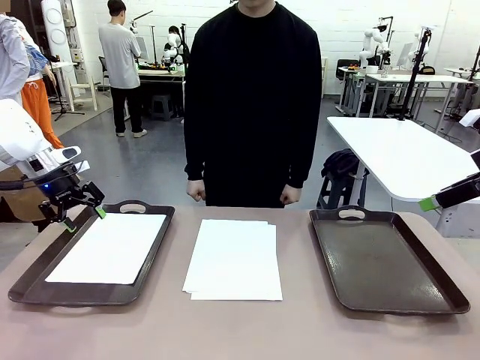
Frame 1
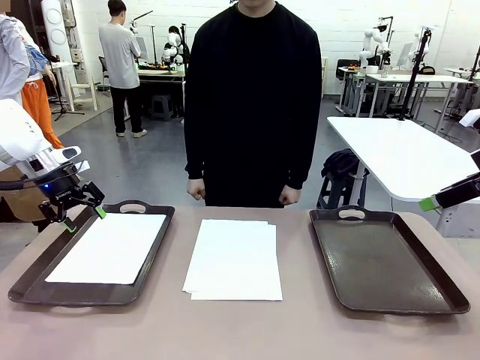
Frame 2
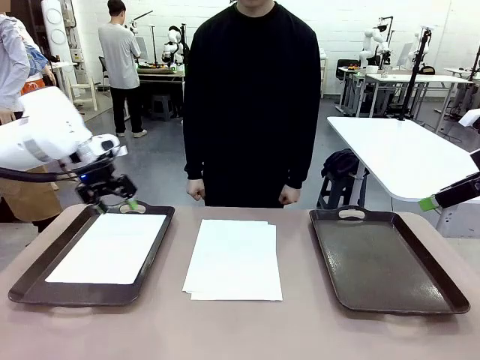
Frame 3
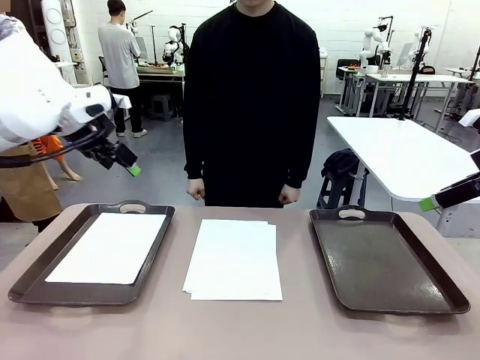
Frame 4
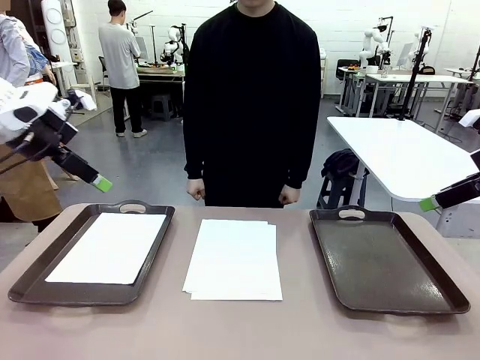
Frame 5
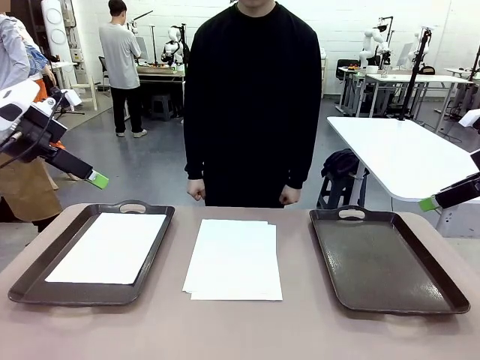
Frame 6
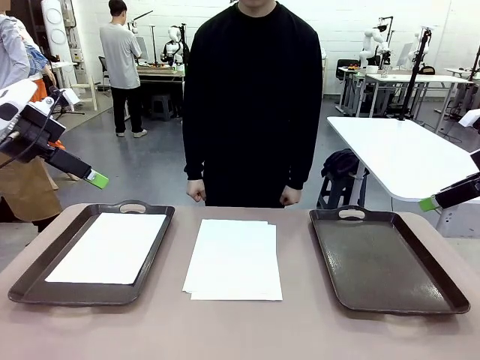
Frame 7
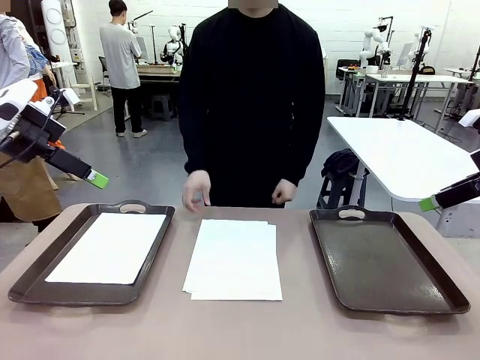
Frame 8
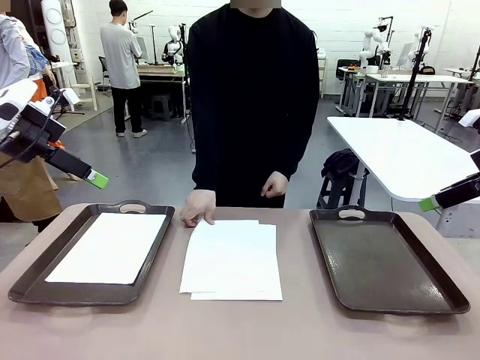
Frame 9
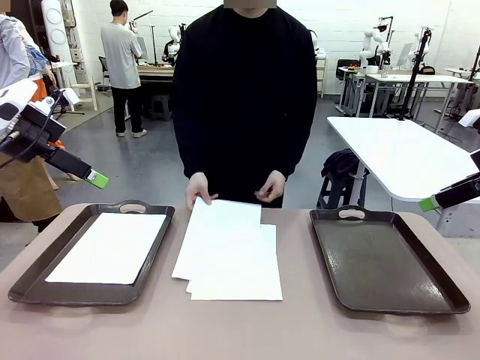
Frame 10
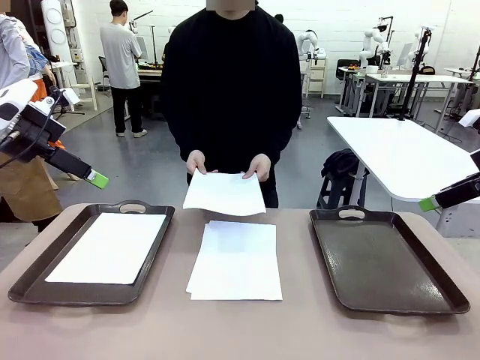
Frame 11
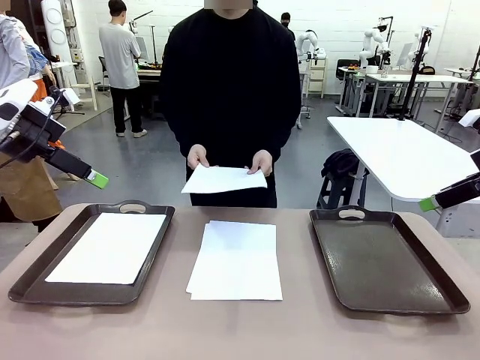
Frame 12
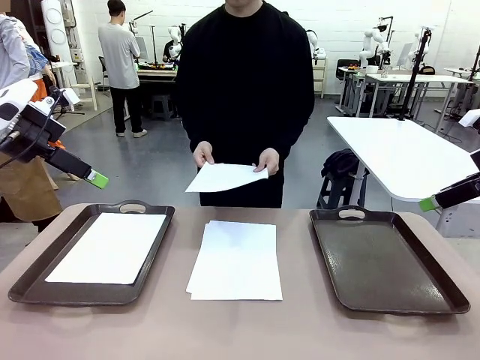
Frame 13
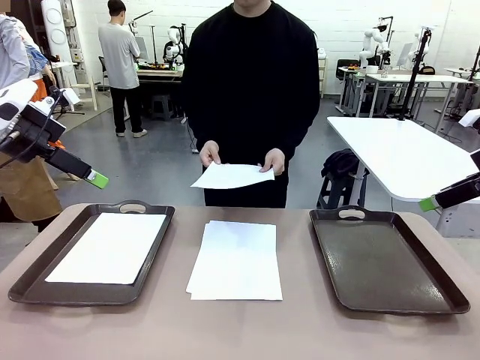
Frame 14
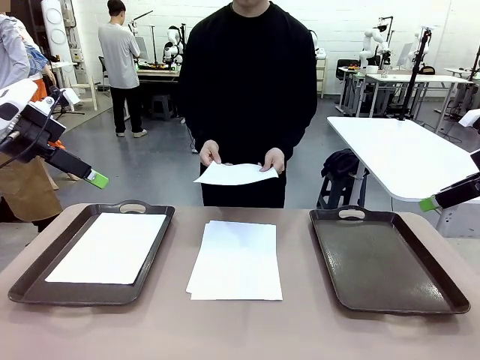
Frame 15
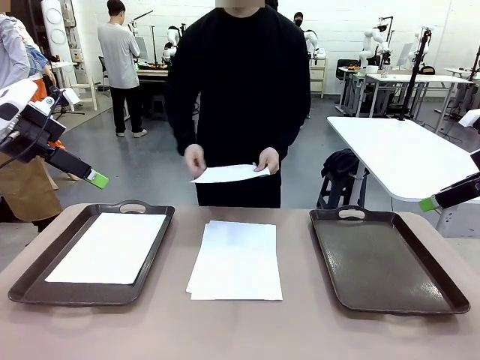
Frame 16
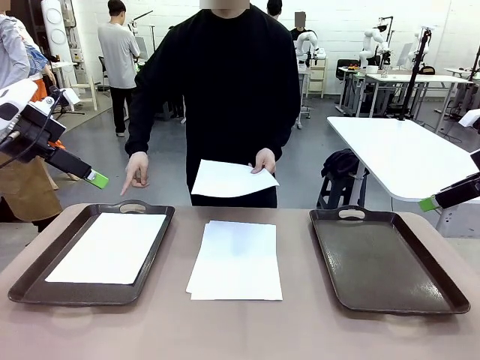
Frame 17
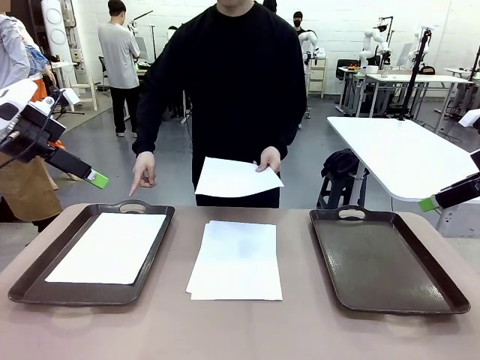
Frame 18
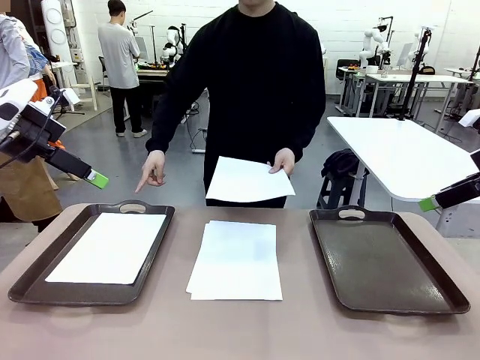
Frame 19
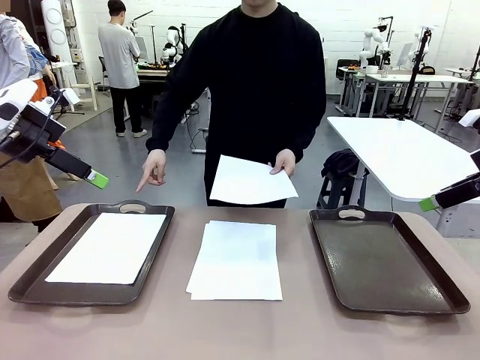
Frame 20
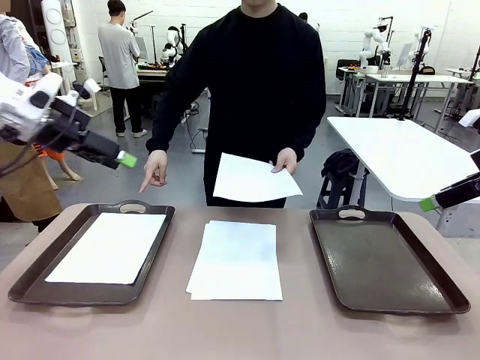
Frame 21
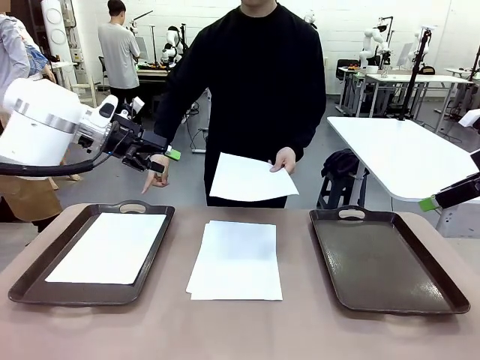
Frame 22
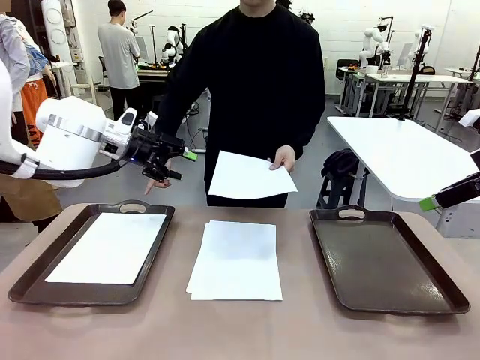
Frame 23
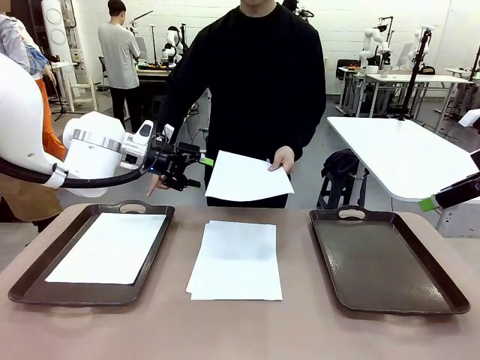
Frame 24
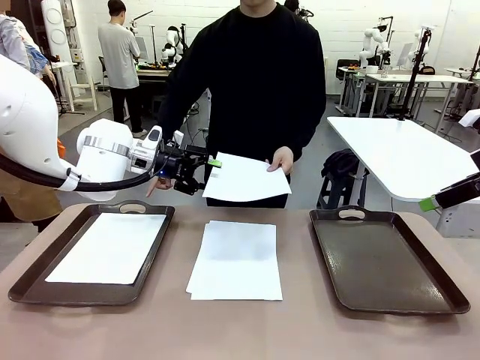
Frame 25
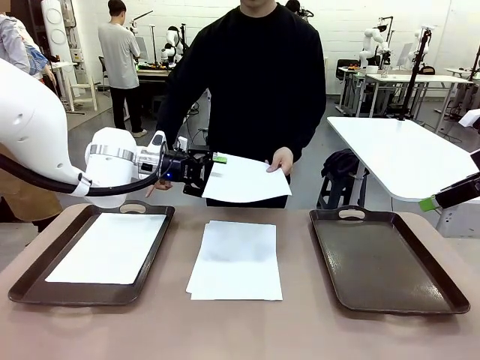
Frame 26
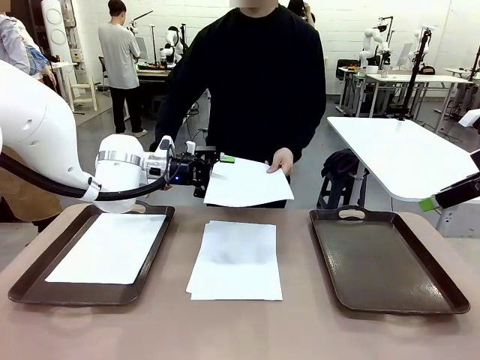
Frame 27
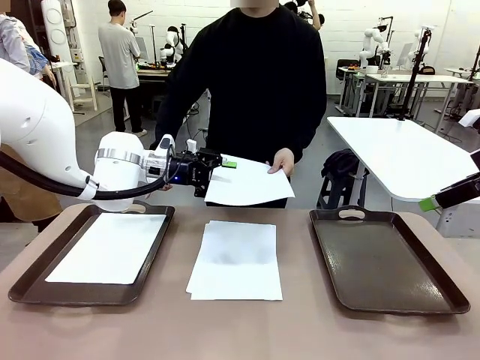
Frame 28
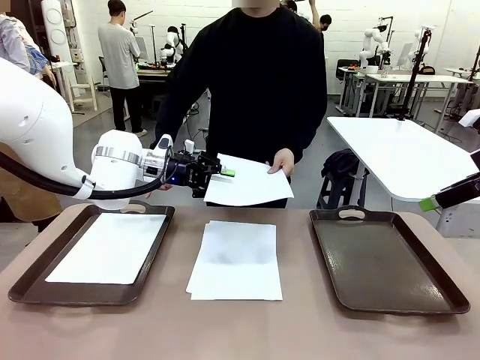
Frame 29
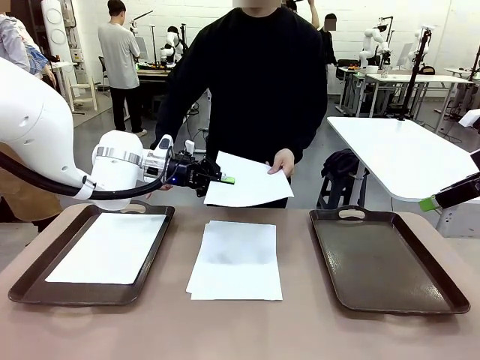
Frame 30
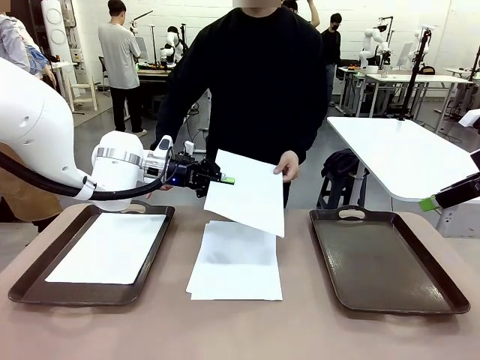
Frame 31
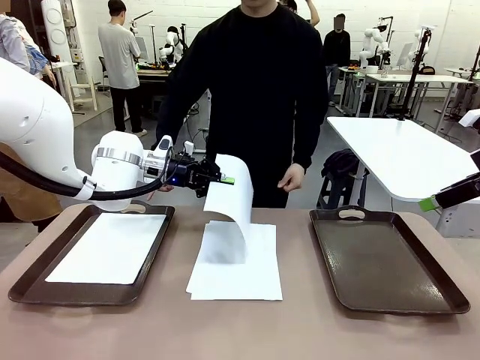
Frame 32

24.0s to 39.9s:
Task: Sort the A4 documents.
Robot: Receive the A4 Paper.
Person: Point the randomly selected tray with the other hand.

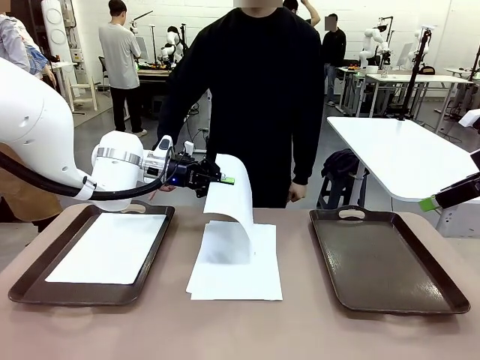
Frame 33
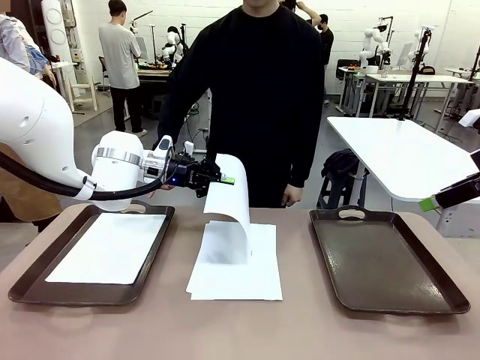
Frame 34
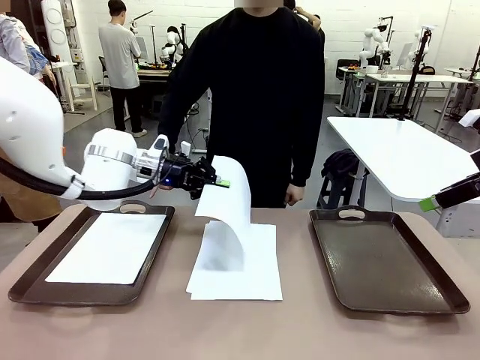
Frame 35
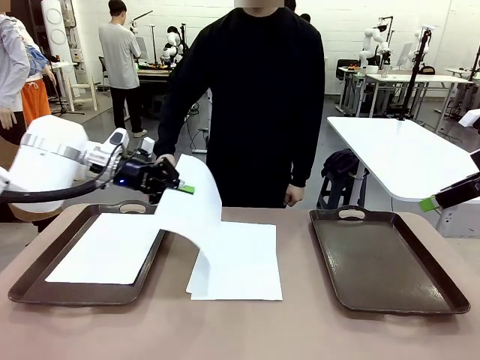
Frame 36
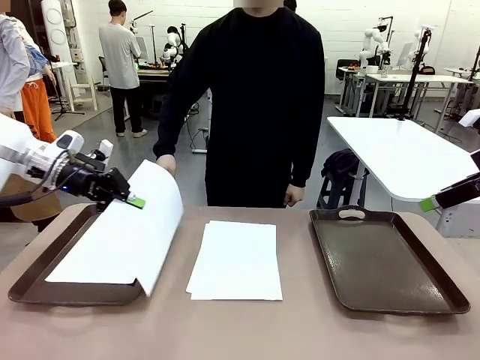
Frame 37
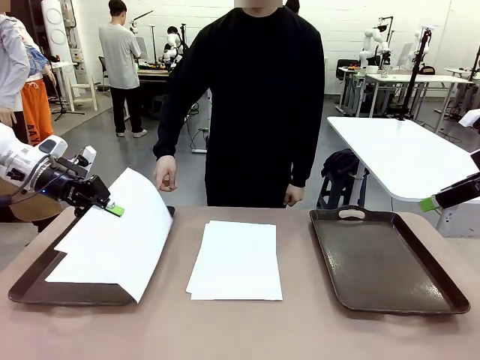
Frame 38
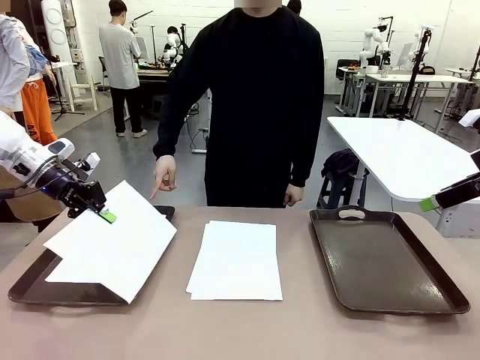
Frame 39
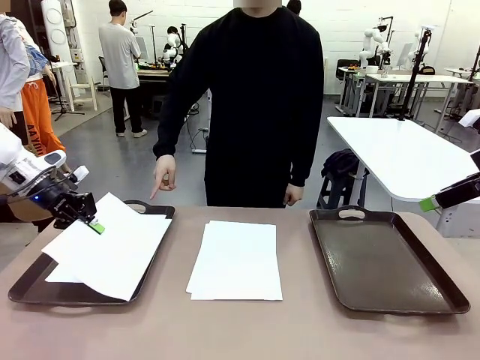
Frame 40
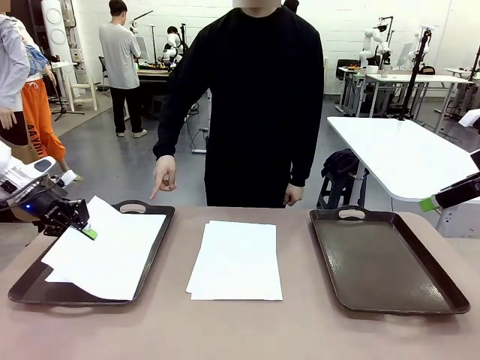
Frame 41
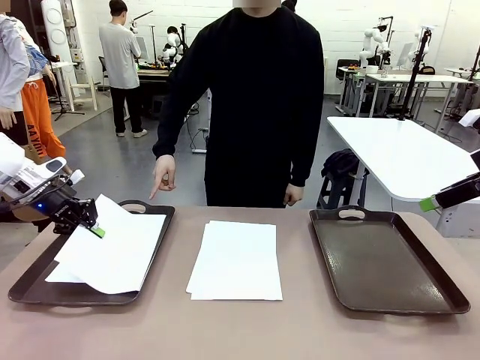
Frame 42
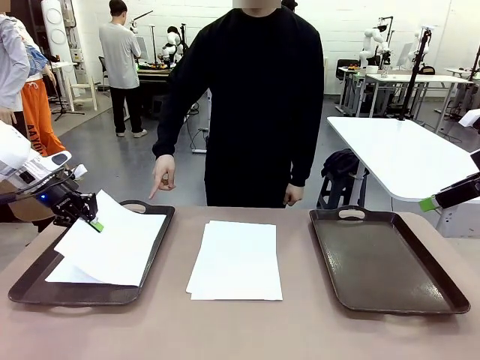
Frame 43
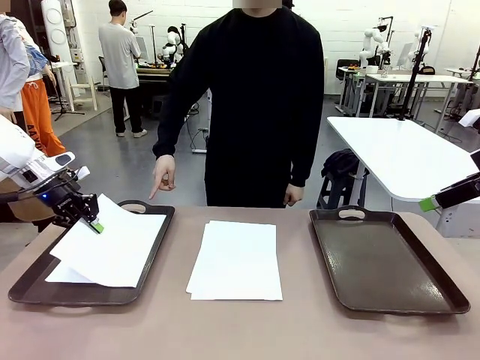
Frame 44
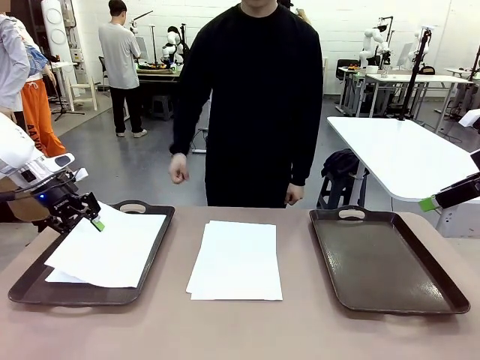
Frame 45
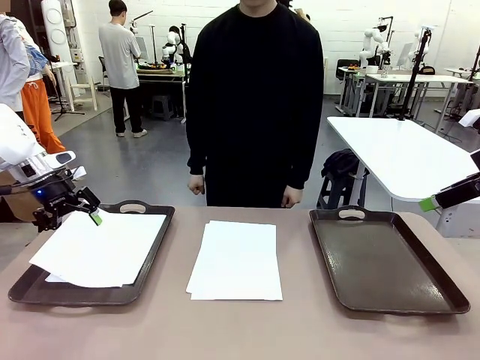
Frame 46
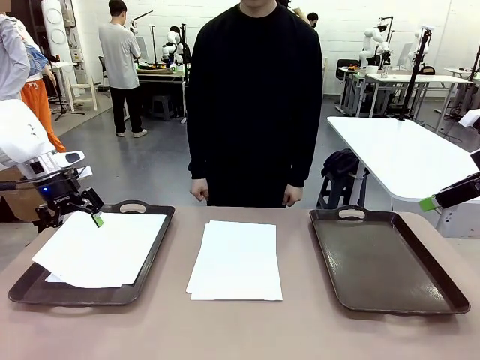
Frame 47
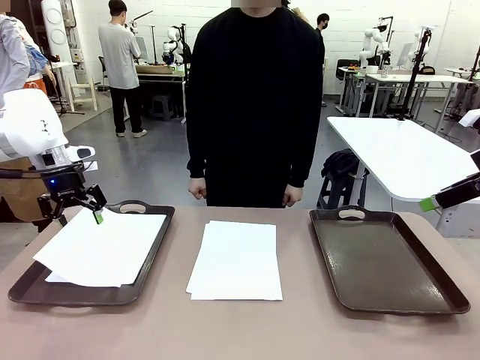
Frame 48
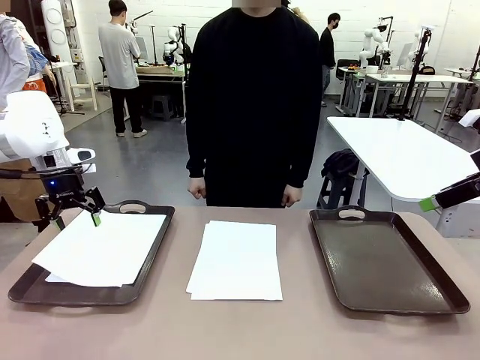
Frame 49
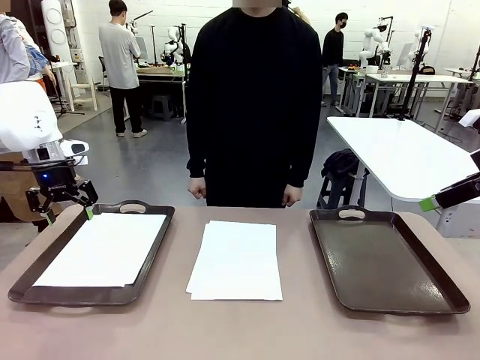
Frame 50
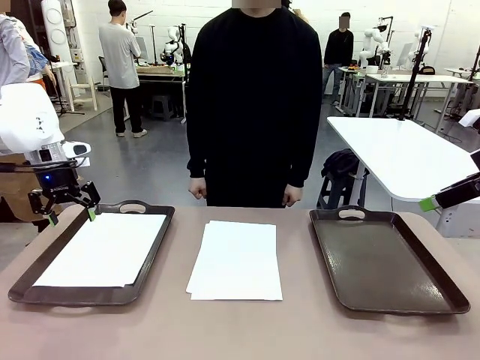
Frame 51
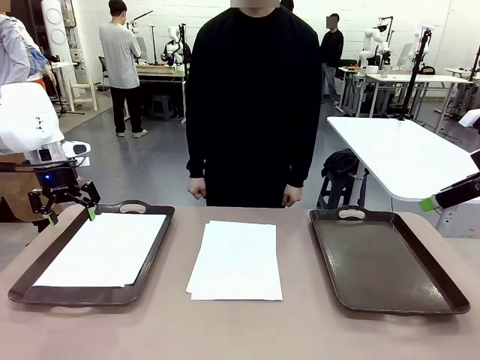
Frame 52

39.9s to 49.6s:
Robot: Place the A4 Paper in the designated Handle tray.
